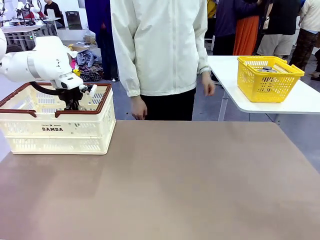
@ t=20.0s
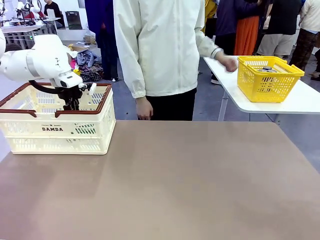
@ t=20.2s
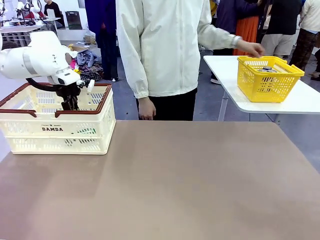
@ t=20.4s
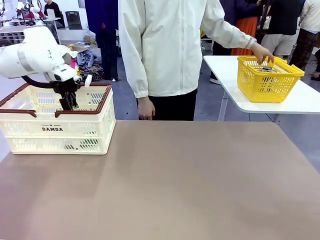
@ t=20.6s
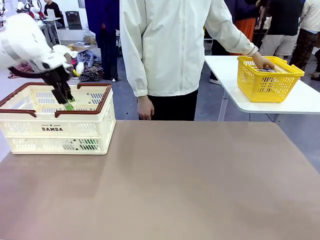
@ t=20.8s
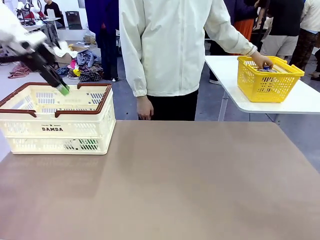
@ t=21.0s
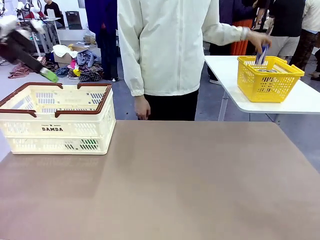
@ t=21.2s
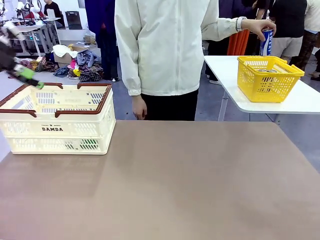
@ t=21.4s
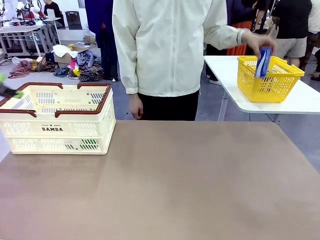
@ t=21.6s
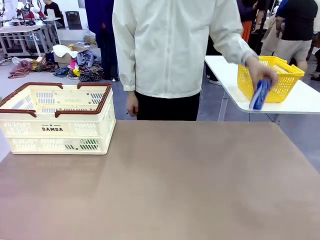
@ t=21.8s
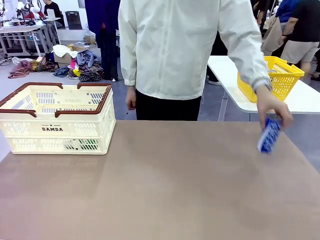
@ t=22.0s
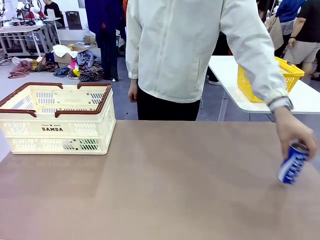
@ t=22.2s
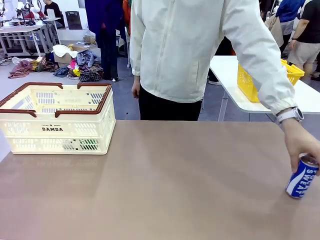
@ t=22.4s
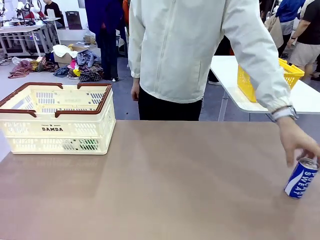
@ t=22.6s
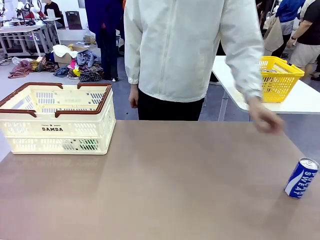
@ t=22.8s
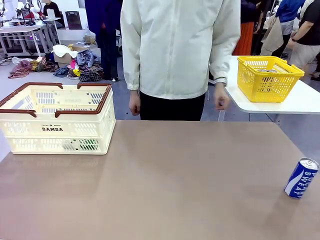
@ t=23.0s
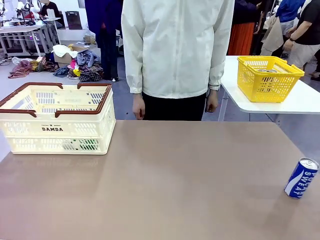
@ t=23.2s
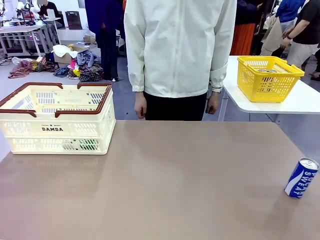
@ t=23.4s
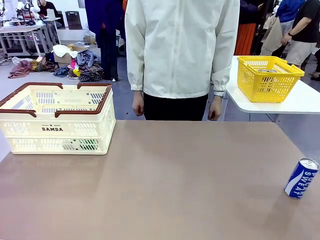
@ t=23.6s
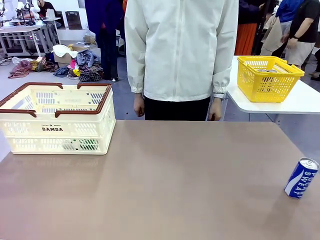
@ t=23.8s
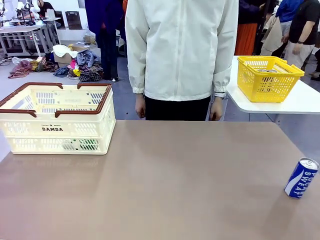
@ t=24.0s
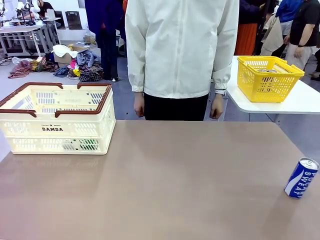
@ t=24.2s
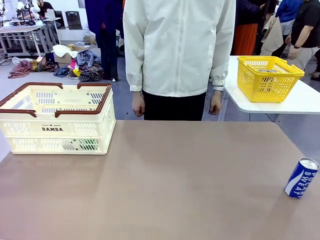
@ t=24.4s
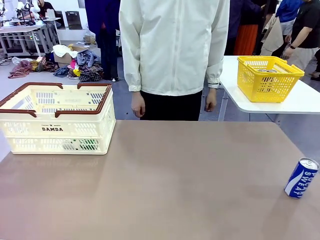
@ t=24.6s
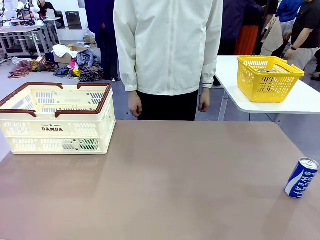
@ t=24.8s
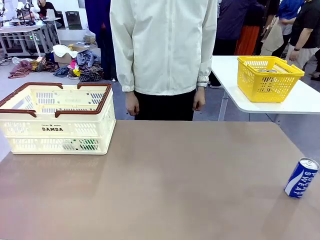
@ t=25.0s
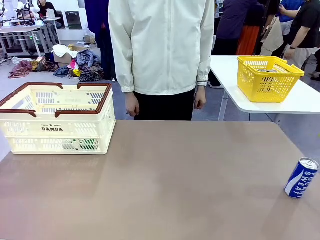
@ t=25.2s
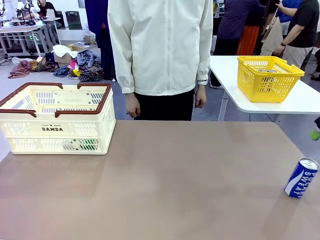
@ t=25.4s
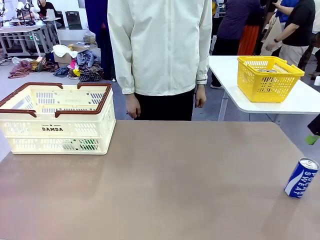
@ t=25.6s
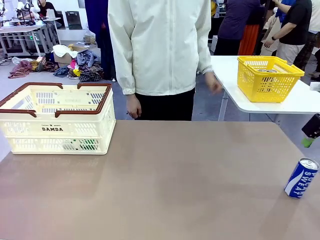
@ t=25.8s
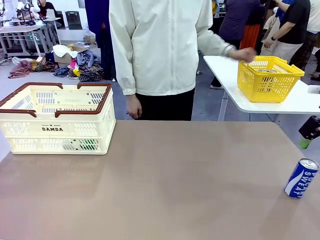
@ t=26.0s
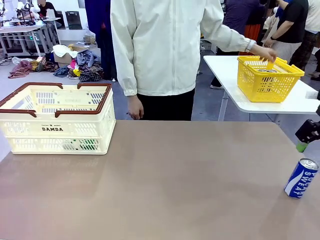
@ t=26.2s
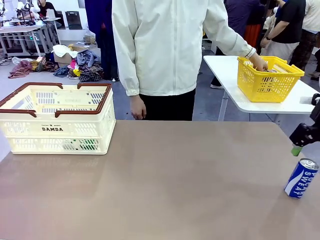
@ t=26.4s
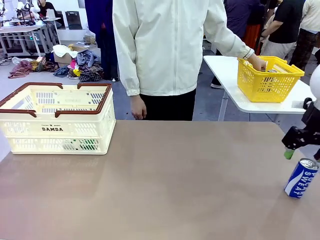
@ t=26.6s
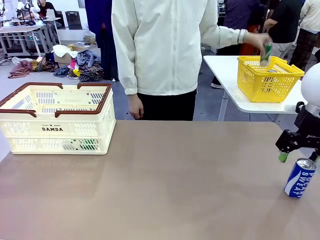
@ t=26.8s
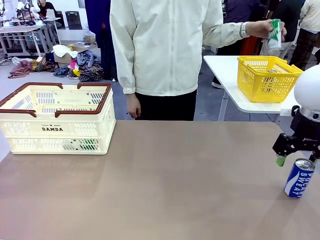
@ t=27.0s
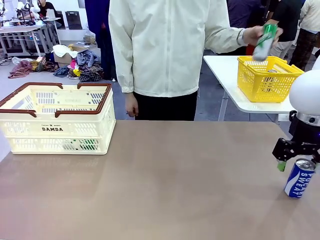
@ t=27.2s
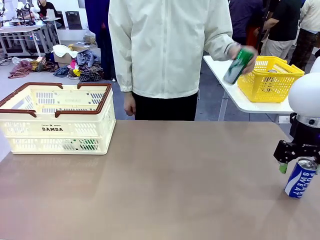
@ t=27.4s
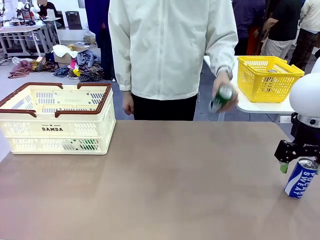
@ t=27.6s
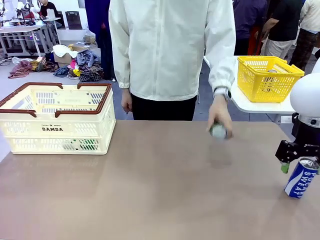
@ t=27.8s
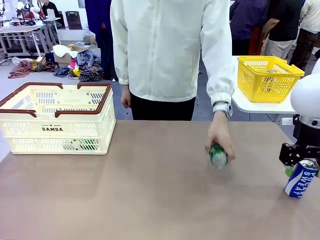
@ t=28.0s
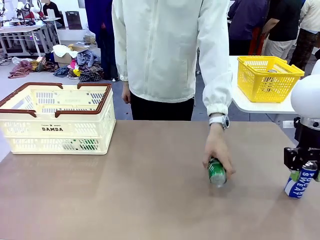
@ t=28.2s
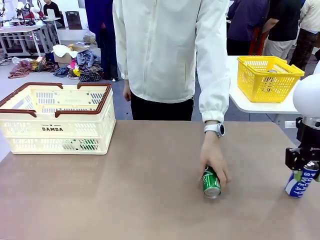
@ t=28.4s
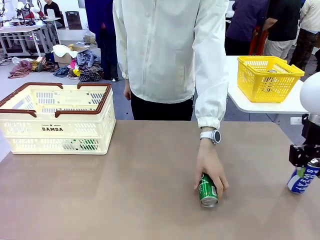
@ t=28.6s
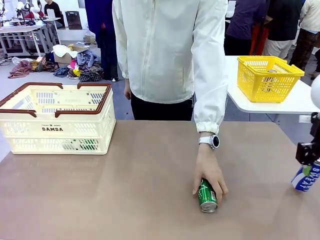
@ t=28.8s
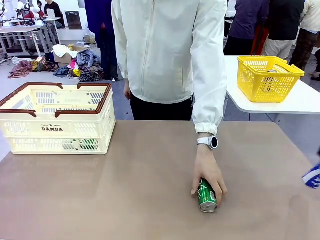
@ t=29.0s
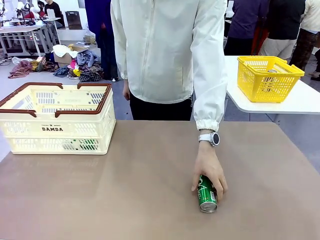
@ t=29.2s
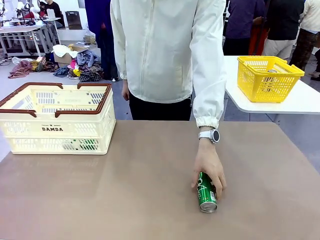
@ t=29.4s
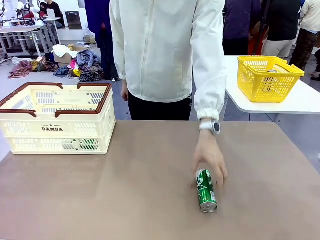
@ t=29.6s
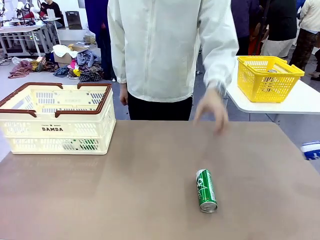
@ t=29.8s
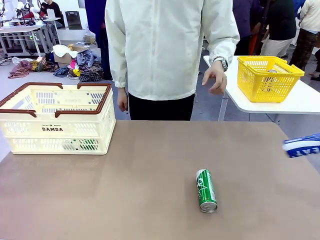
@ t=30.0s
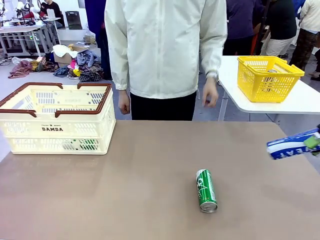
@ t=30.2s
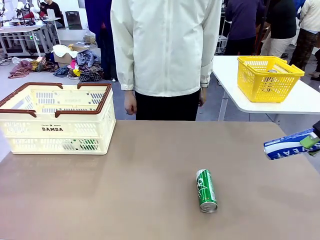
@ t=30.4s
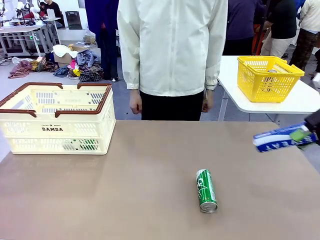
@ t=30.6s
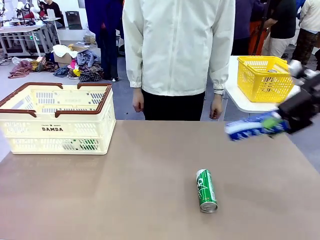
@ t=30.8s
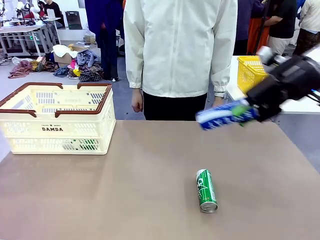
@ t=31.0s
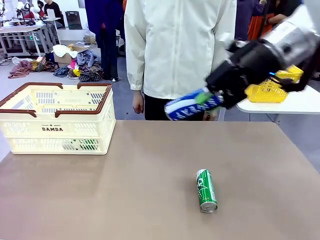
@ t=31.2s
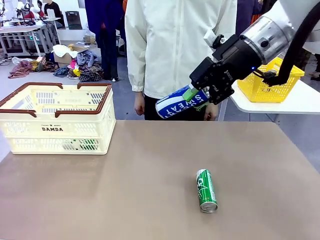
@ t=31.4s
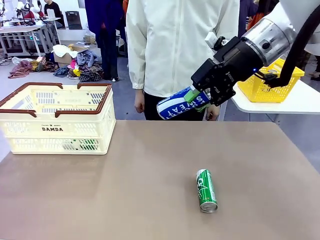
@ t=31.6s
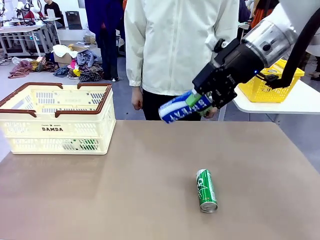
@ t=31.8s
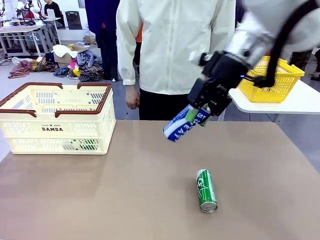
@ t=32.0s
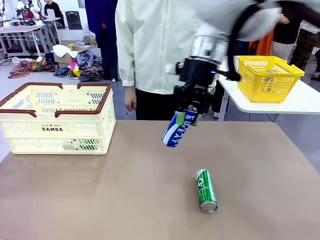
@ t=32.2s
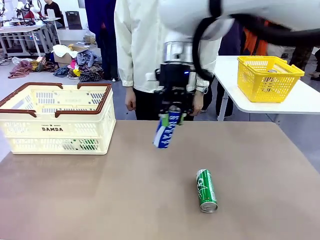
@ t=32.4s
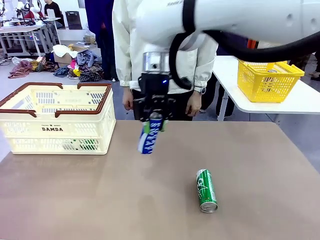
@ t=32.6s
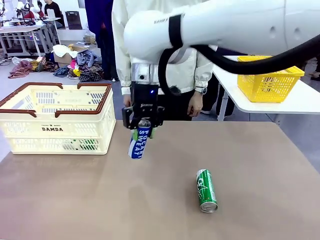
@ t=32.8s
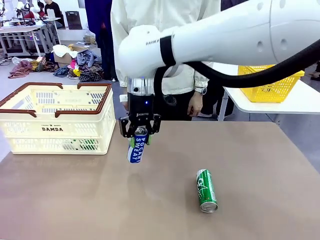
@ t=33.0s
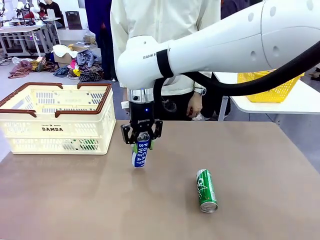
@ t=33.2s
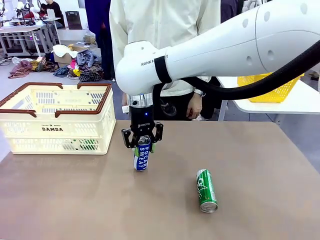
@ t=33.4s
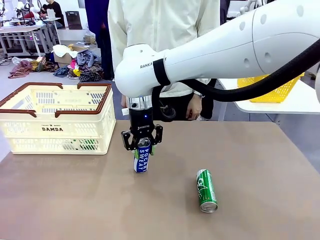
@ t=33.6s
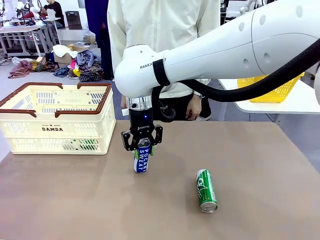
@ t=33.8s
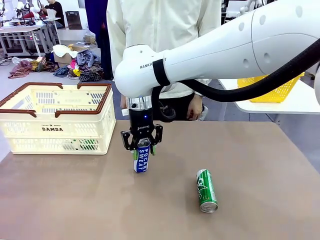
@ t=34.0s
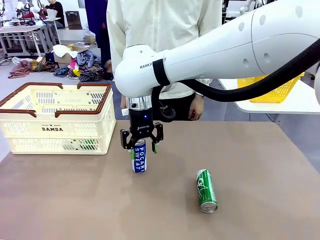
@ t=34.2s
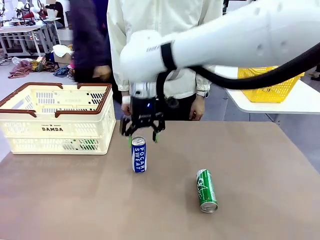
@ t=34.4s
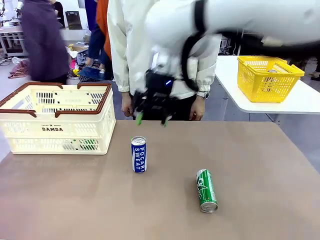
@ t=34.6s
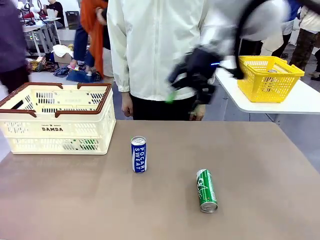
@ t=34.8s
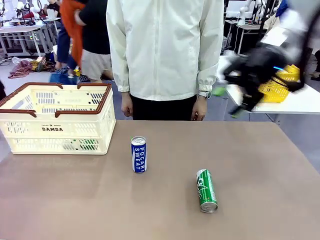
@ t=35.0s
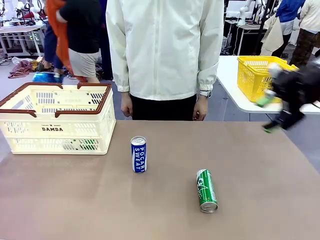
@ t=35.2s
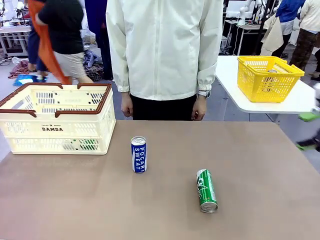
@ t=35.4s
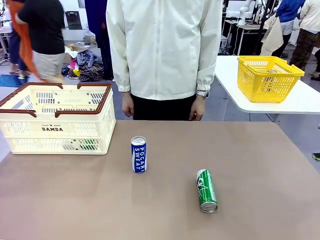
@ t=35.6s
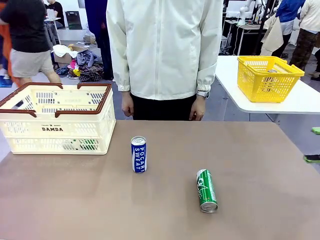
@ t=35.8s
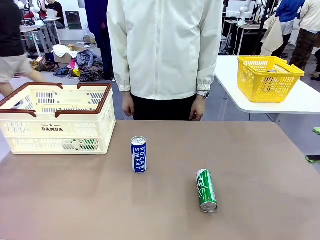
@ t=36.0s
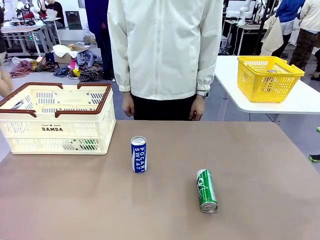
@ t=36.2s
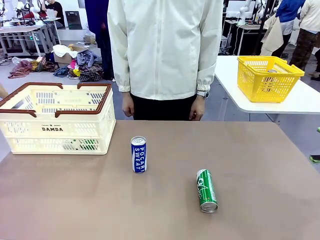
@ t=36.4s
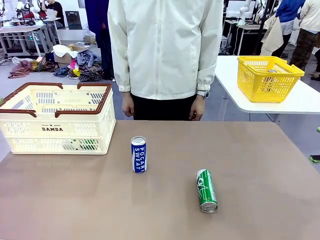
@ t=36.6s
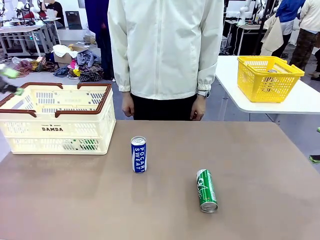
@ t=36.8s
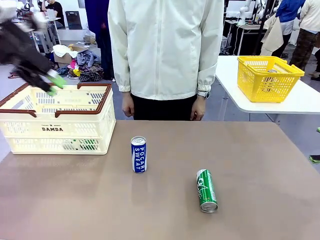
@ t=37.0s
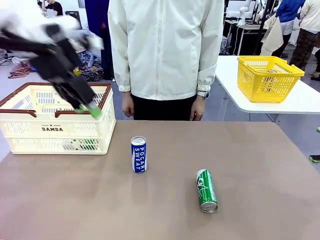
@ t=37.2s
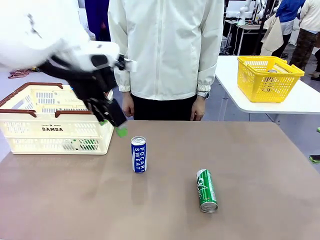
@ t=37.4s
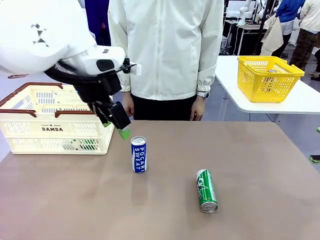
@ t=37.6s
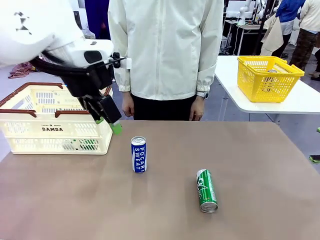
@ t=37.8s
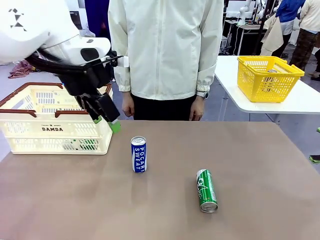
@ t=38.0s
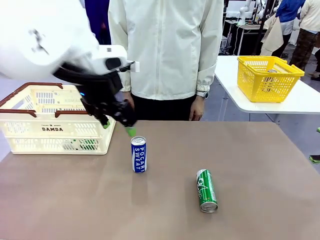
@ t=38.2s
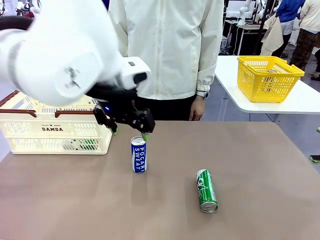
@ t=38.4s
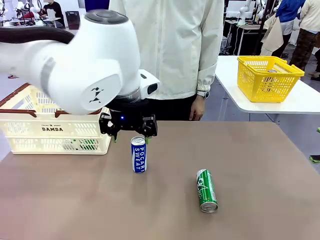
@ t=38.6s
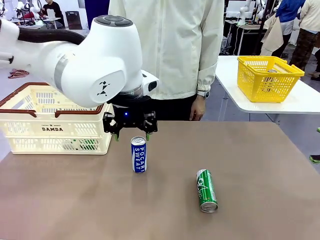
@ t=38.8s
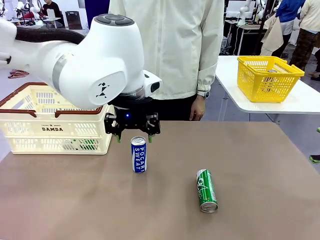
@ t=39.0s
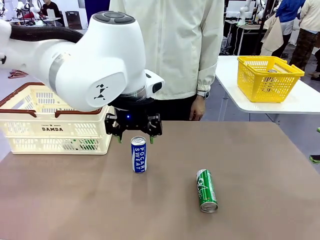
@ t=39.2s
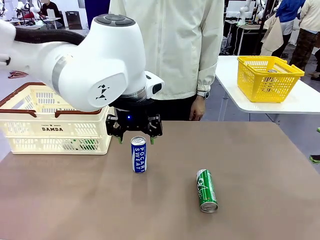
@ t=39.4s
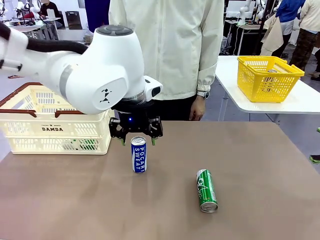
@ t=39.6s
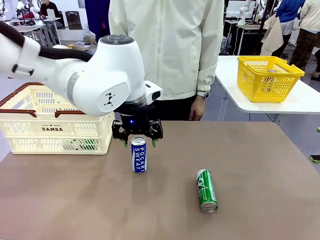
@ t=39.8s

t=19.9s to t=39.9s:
Task: Place the drinks into the Shopping basket.
Robot: Pick up one drink and place it into the Shopping basket.
